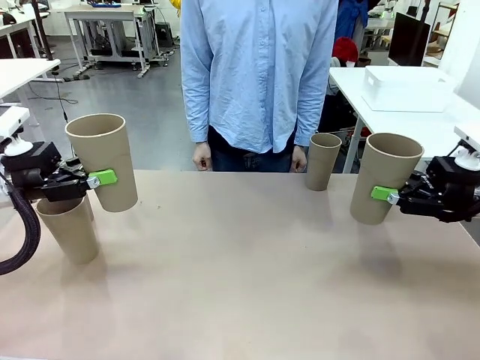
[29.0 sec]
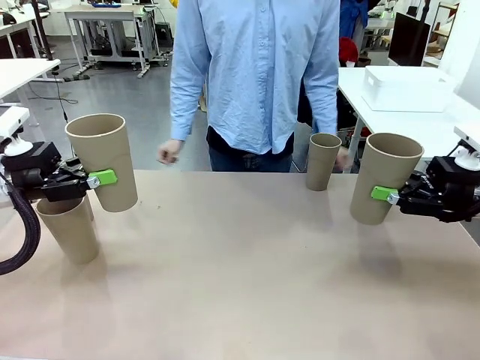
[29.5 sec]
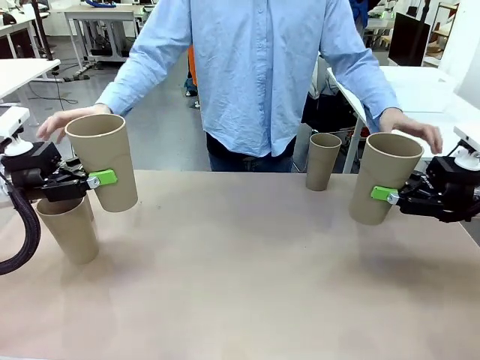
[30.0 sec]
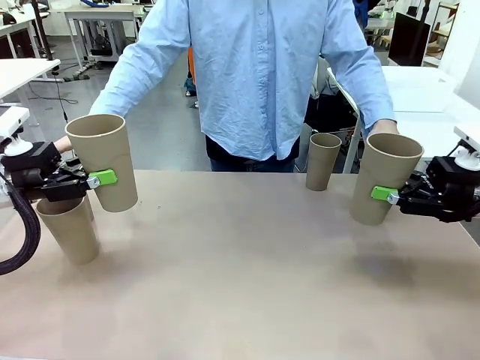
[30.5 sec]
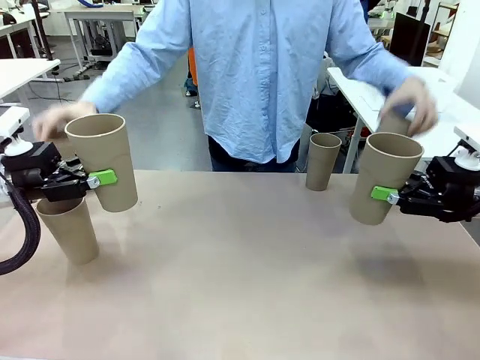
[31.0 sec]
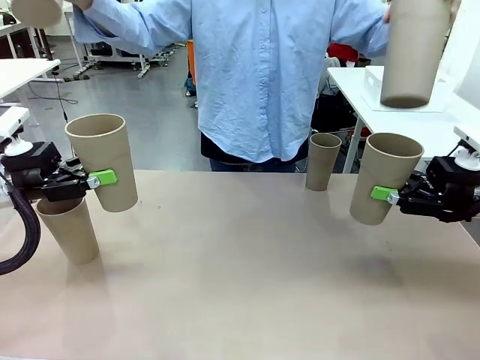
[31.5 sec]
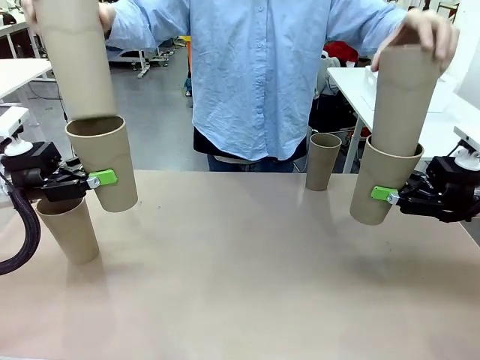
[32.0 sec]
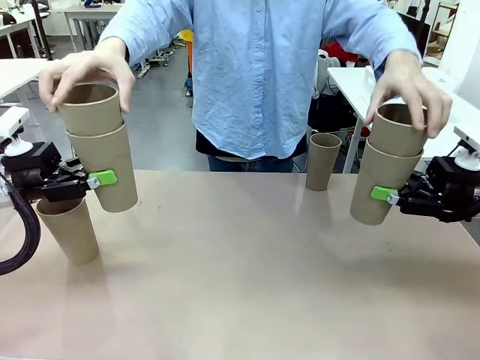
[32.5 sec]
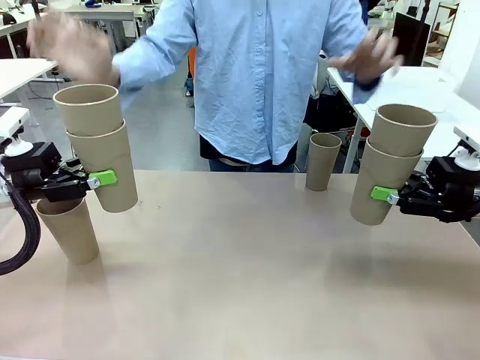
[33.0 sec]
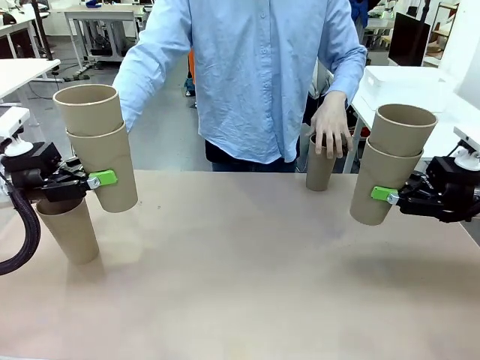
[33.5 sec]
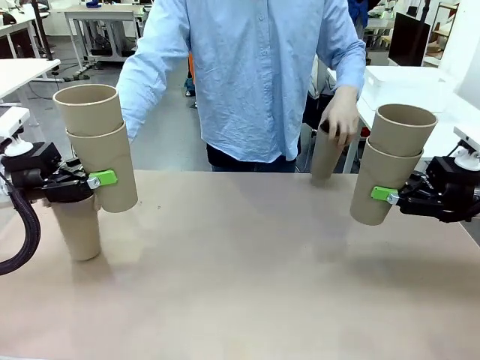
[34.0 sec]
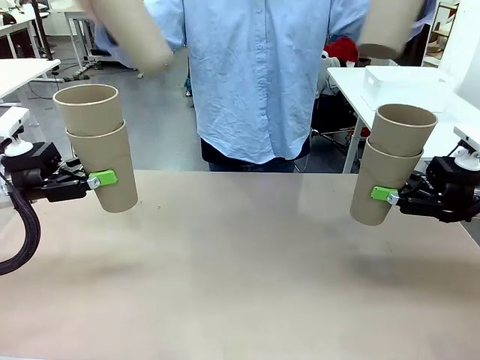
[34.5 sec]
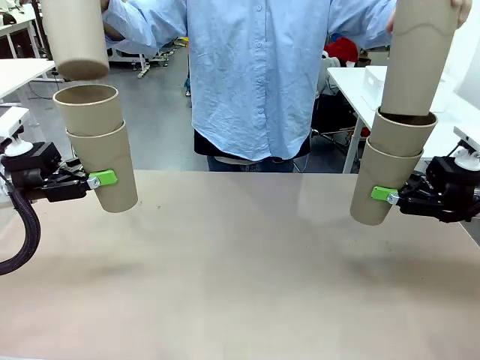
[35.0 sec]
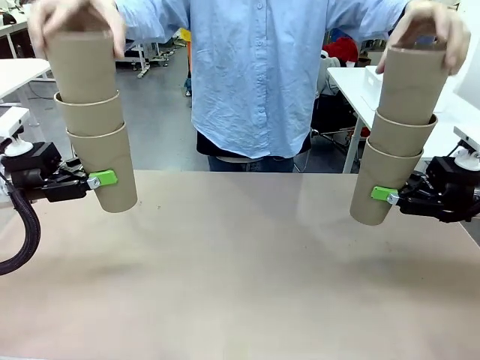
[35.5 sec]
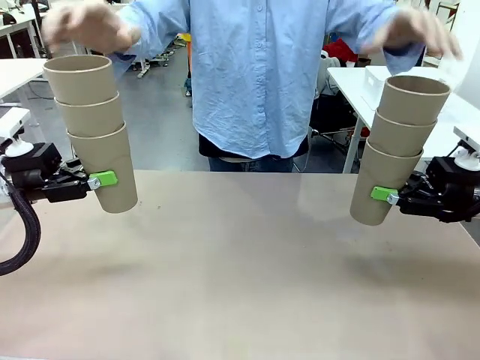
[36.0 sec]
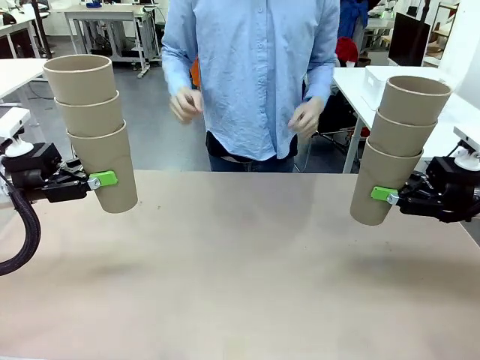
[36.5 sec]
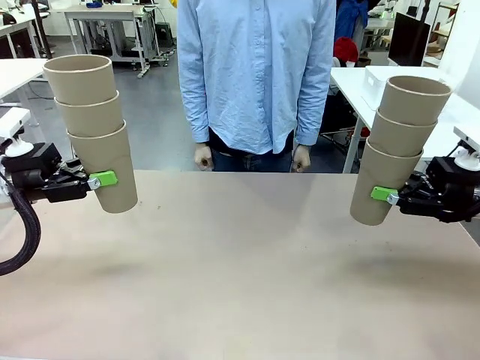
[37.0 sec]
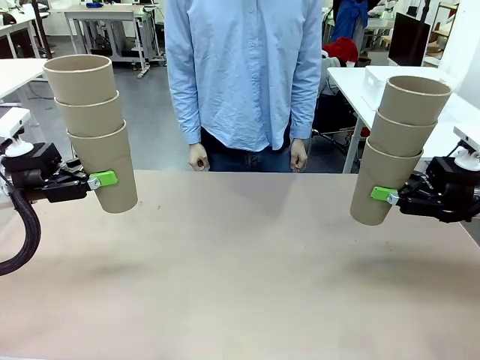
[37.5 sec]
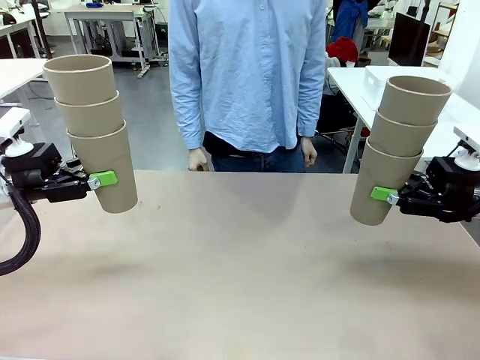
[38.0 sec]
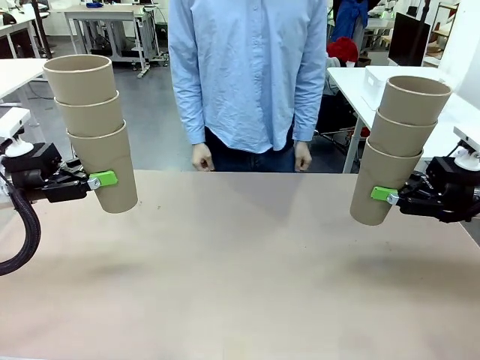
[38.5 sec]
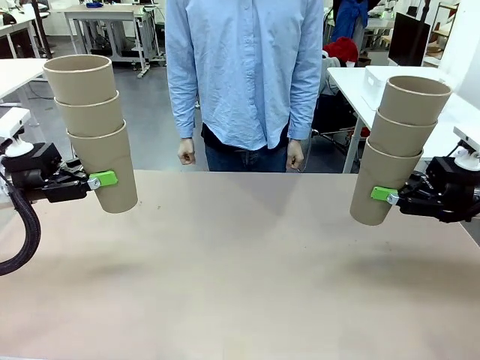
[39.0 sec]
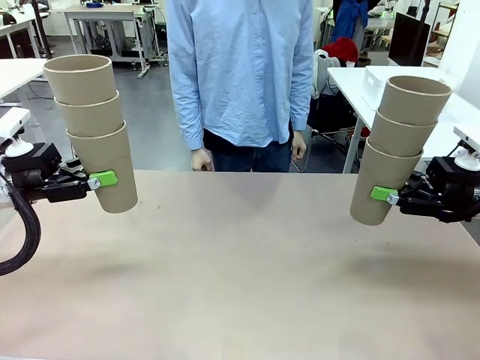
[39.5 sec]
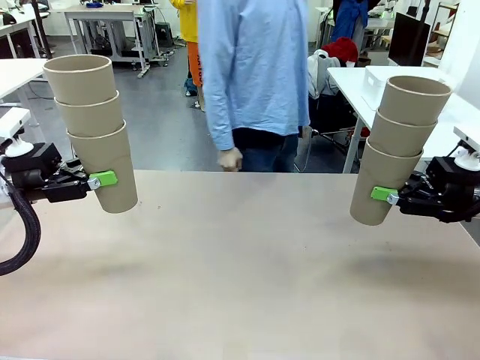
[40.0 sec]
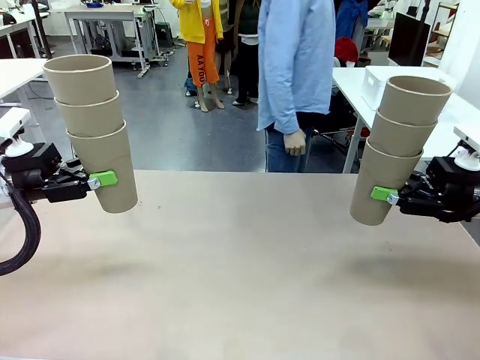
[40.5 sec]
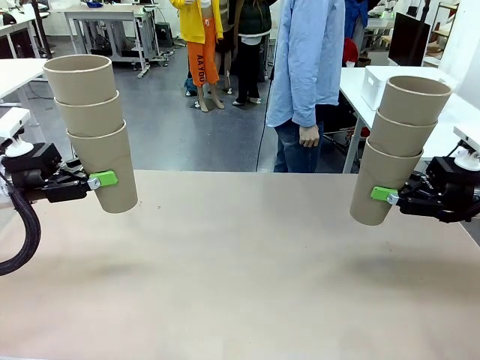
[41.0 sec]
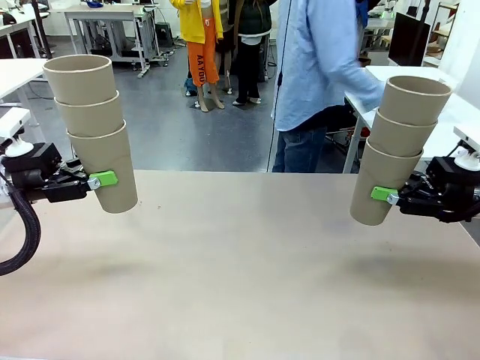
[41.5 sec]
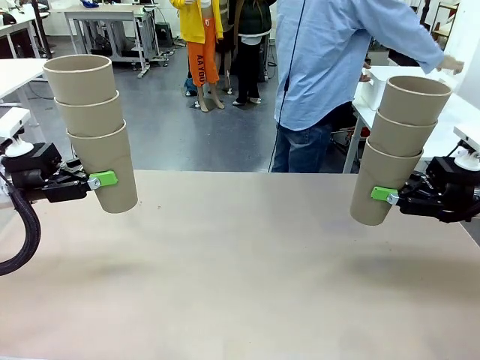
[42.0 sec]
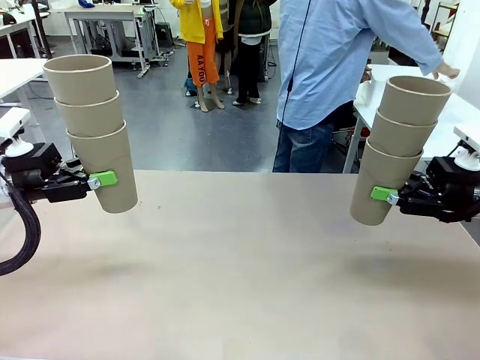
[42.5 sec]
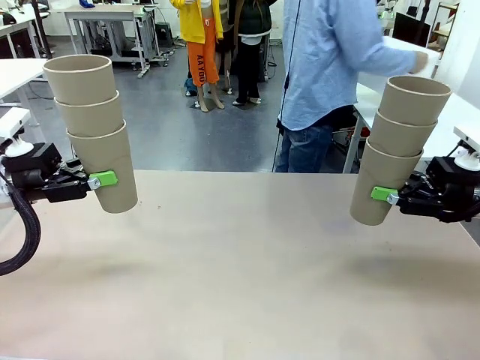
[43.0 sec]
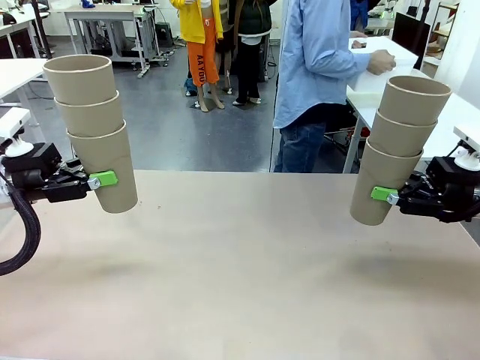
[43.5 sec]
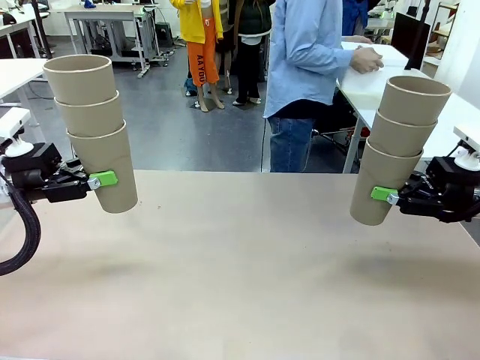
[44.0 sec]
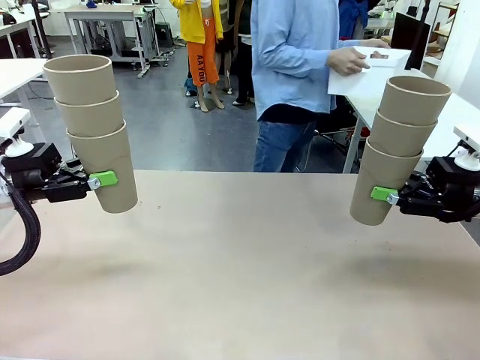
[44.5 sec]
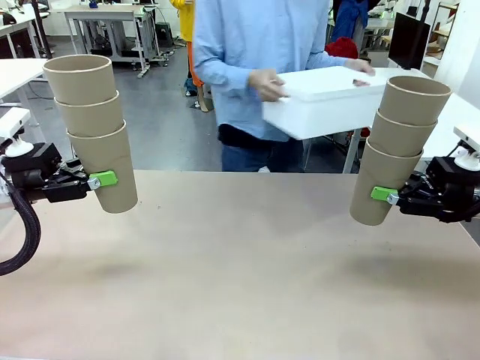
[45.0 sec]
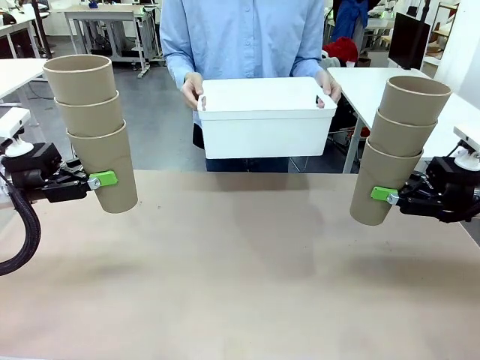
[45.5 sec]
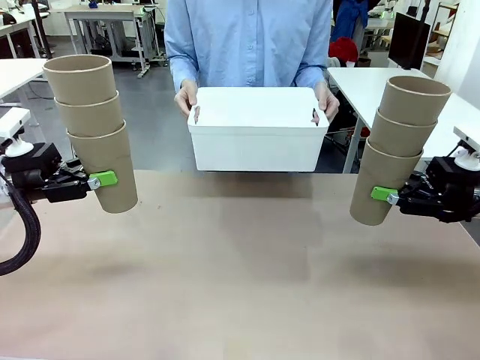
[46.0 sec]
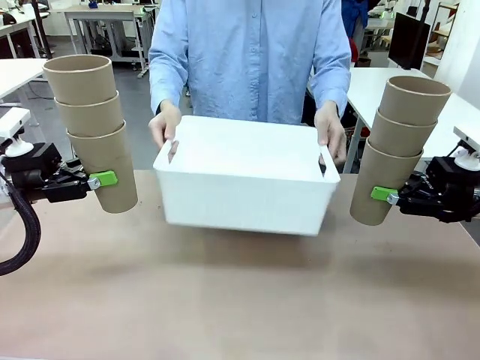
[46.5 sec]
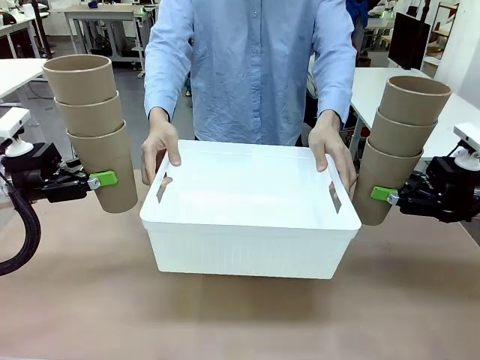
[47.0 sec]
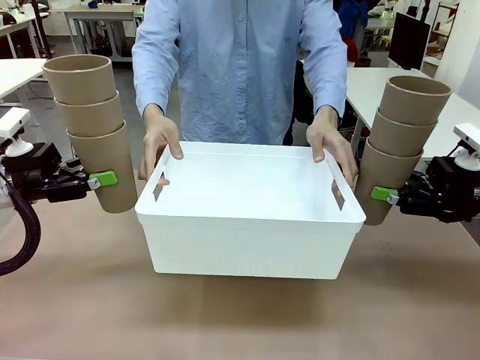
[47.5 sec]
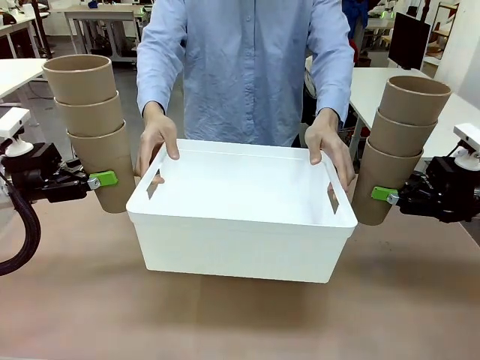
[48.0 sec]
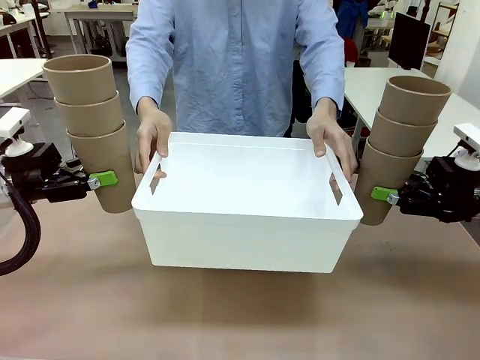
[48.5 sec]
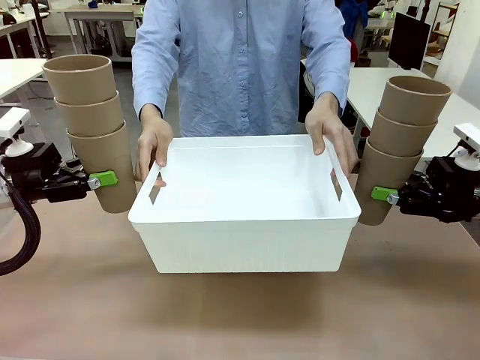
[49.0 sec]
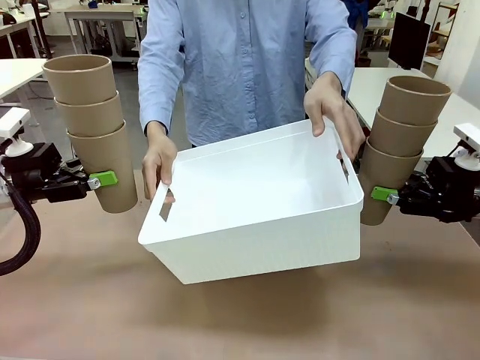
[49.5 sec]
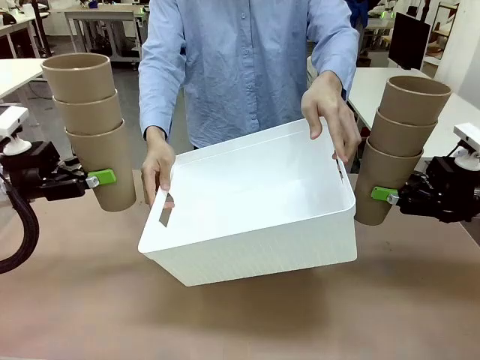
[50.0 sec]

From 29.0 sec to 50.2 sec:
Task: Stack the cups and store them in the basket.
Robot: Place the stack of Reusable plastic cups into the Pantry Basket.
Person: Pick up the basket from the Human Table, bring it to the front of the robot, and present it.
